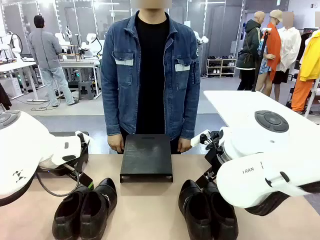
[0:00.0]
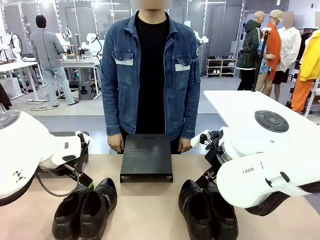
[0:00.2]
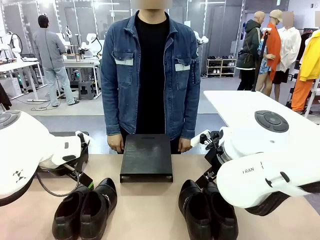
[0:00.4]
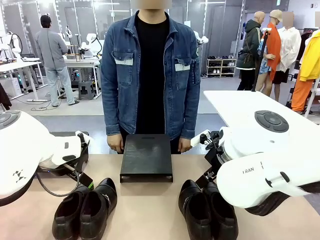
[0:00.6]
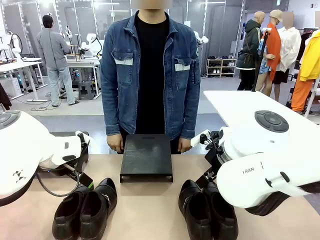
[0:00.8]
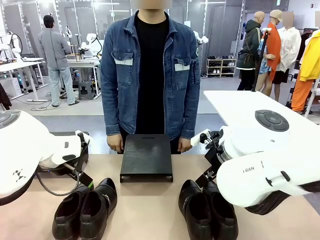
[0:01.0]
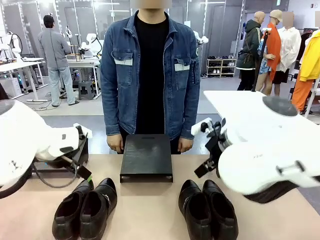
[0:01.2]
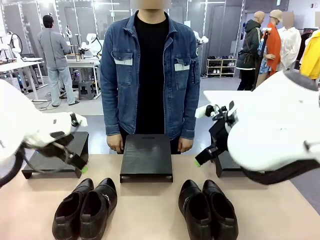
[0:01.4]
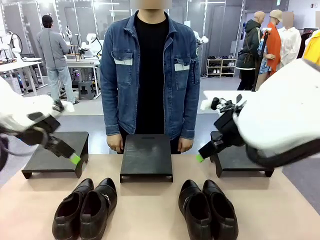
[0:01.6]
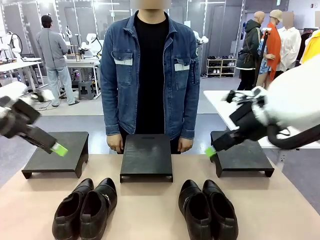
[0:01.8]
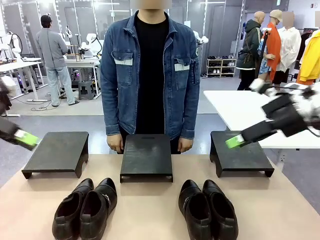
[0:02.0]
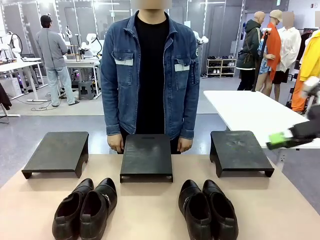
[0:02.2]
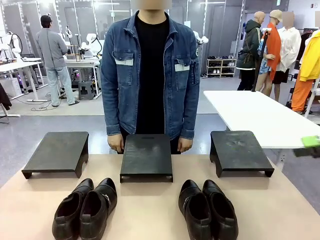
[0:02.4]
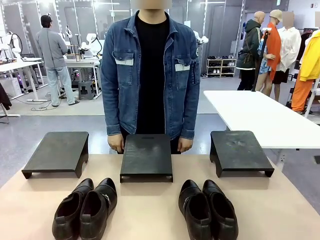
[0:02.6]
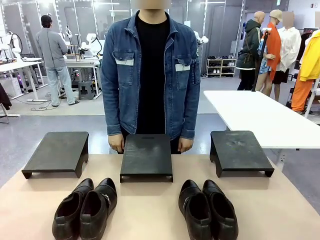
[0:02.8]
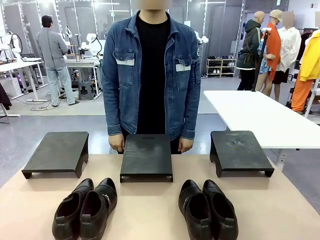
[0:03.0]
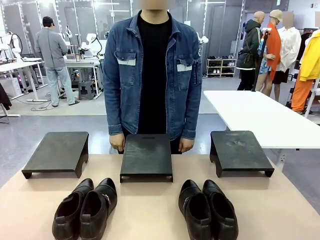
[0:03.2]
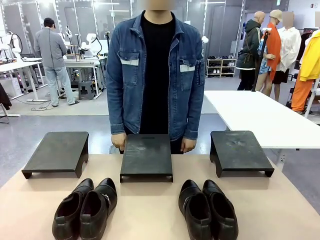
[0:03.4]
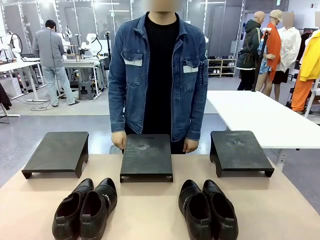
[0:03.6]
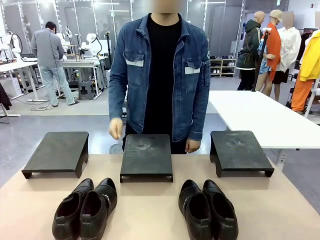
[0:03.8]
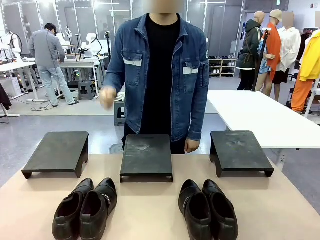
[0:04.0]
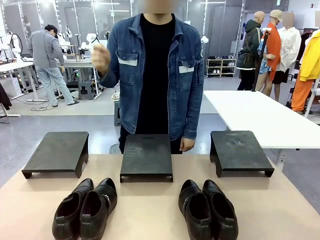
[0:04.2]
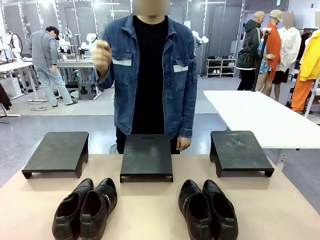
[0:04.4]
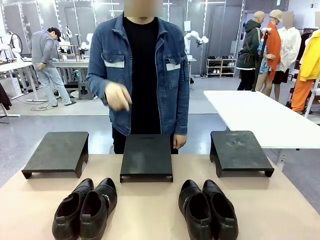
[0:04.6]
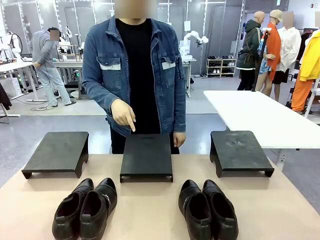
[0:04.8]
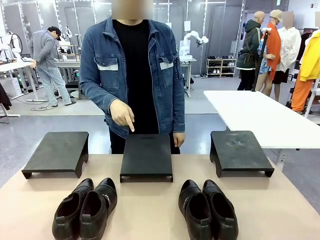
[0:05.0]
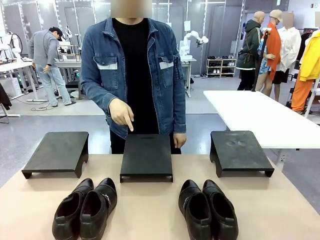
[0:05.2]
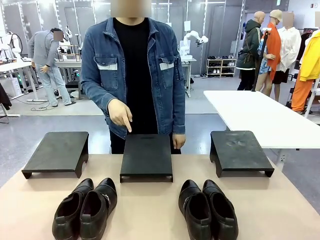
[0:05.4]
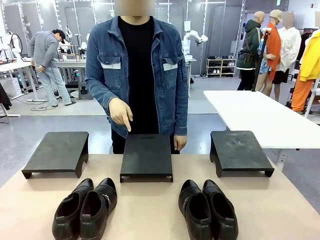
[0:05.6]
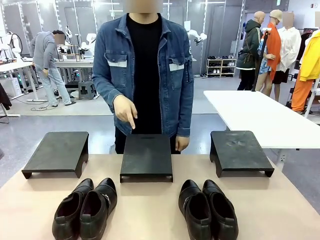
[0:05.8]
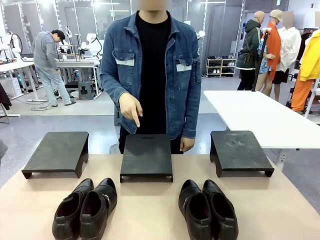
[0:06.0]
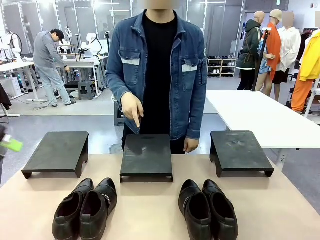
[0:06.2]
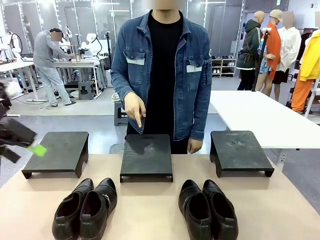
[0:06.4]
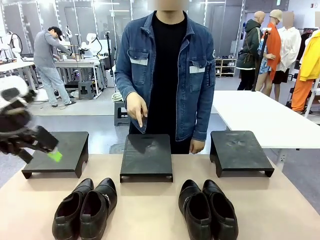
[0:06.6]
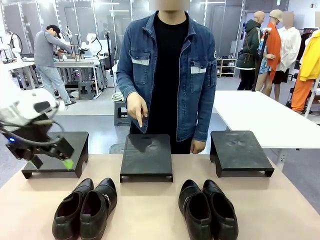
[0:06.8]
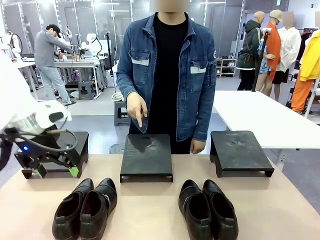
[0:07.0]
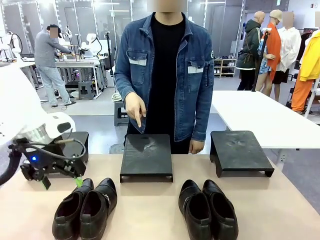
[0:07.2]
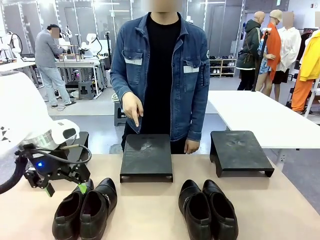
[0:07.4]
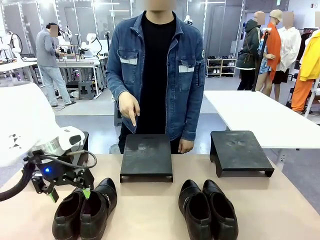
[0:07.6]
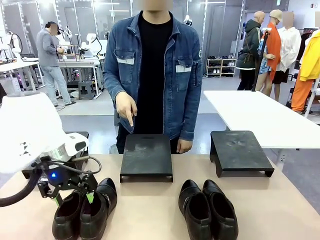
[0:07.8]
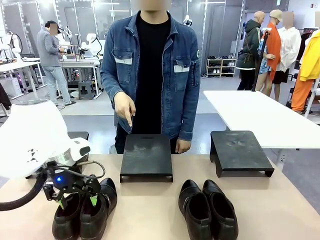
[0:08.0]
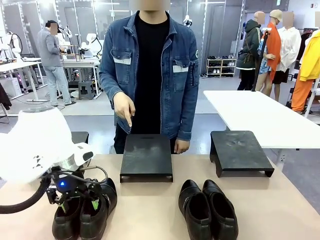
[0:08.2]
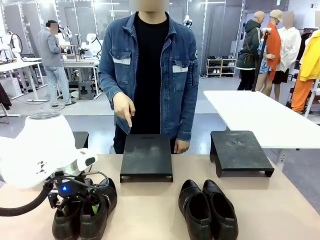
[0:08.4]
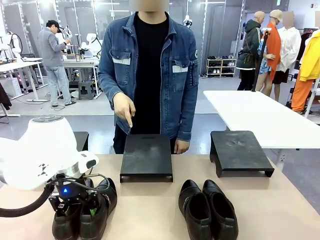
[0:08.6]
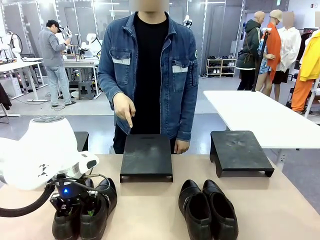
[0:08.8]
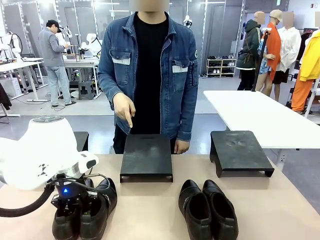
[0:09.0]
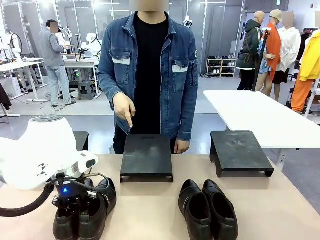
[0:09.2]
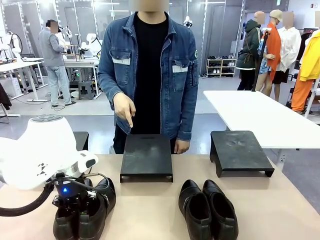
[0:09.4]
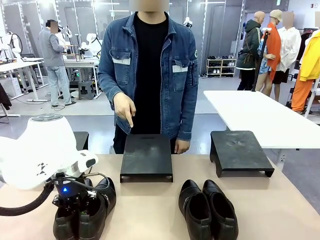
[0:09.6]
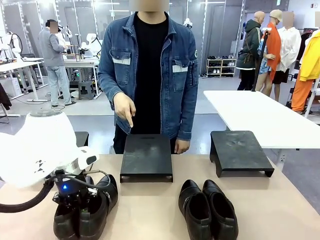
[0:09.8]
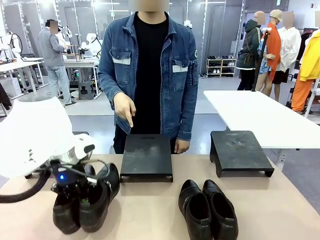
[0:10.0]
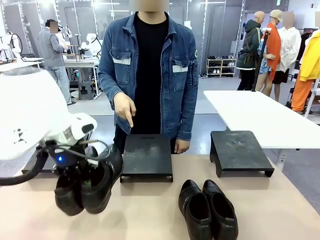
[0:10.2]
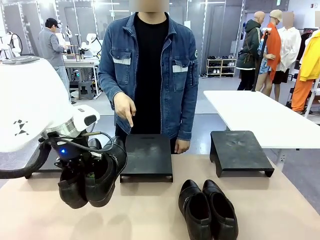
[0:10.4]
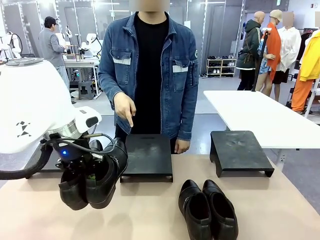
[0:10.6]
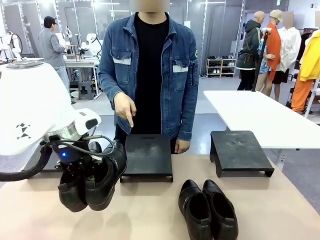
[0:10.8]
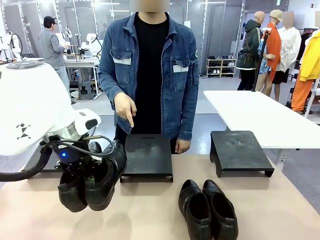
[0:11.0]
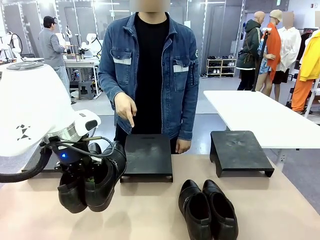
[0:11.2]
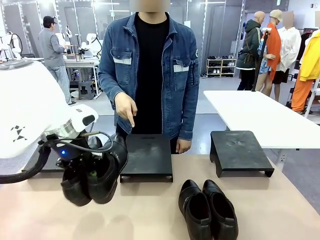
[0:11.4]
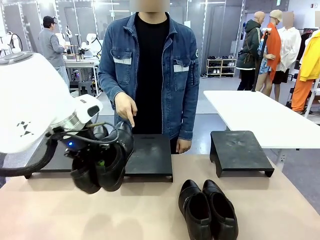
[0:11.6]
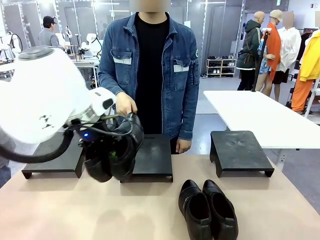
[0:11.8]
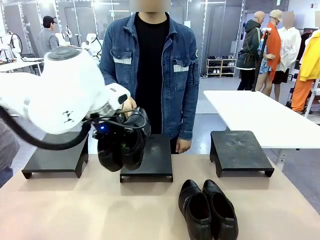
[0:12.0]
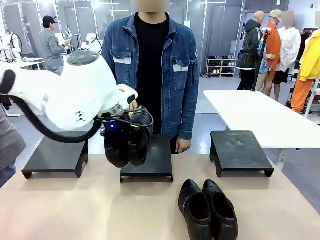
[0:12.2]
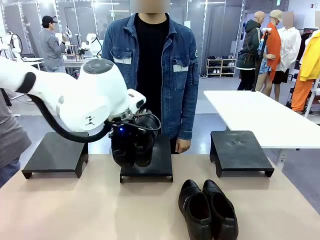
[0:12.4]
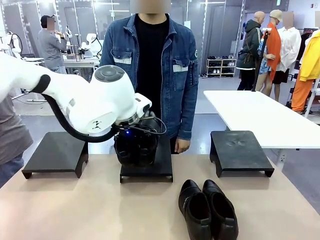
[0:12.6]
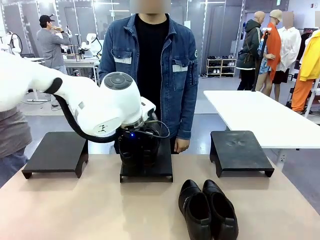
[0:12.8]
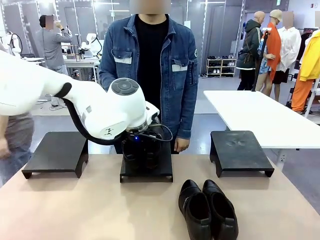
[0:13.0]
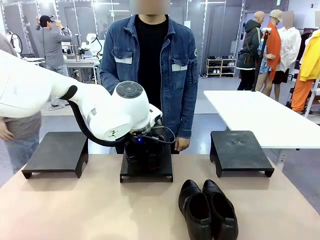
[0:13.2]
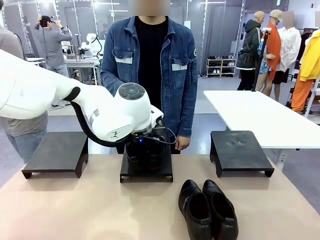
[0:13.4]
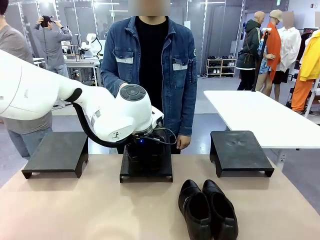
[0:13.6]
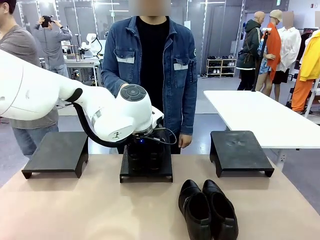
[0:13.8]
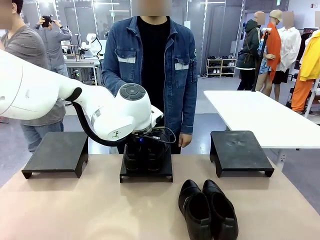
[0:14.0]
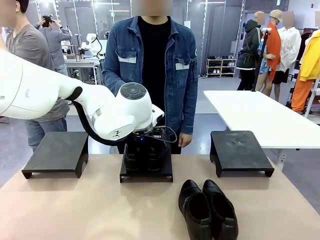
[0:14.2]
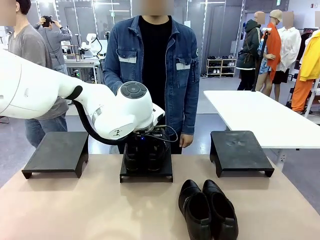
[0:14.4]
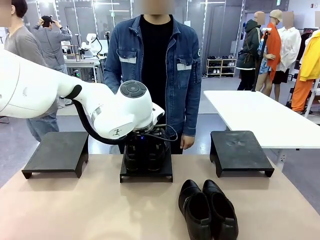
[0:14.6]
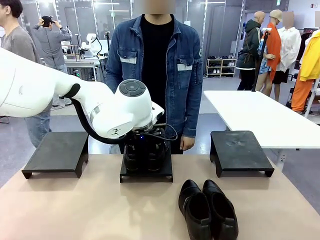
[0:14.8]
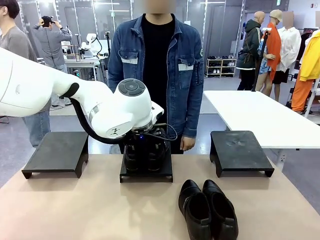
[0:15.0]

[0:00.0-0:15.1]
Task: Place the shoes on the stand as instructed by the person.
Robot: Pick up one pair of Shoes and place it on the Shoes Stand indicated by the person.
